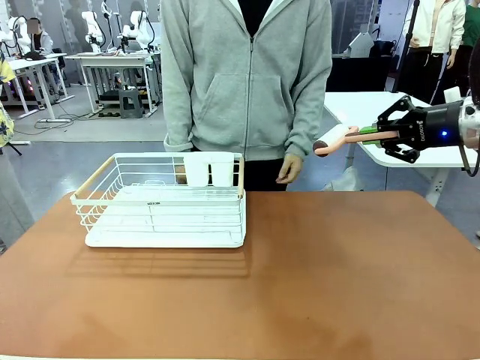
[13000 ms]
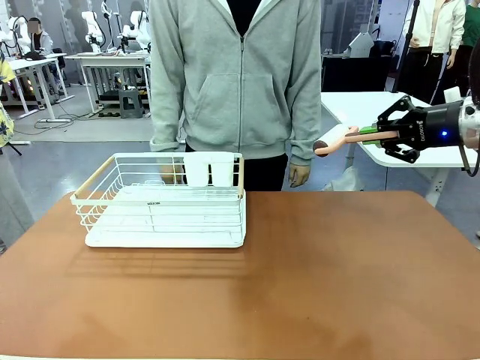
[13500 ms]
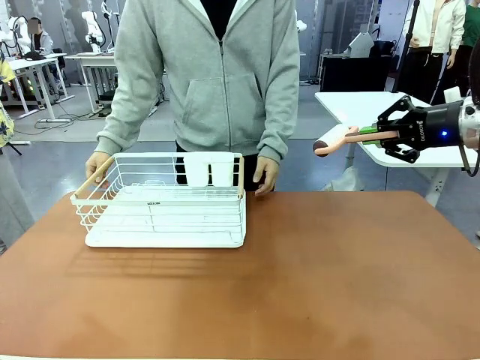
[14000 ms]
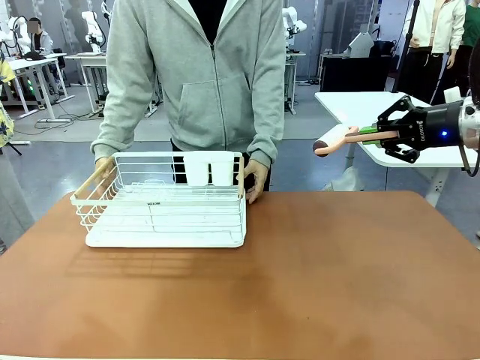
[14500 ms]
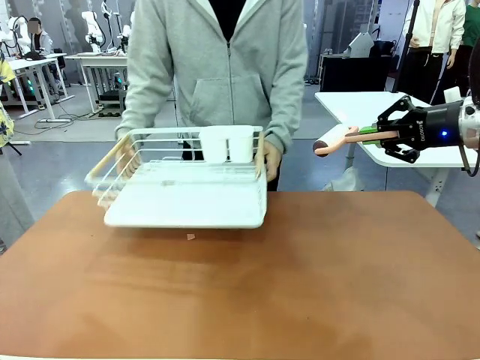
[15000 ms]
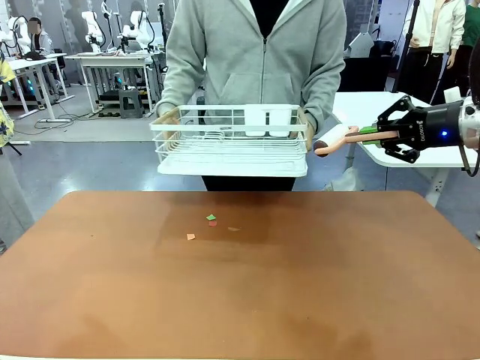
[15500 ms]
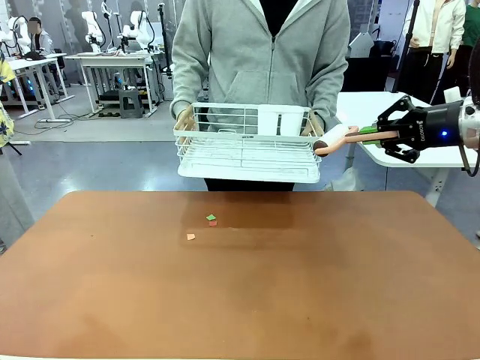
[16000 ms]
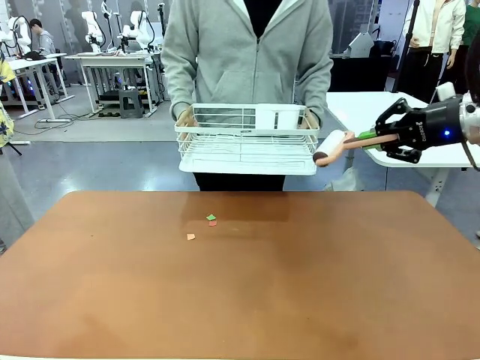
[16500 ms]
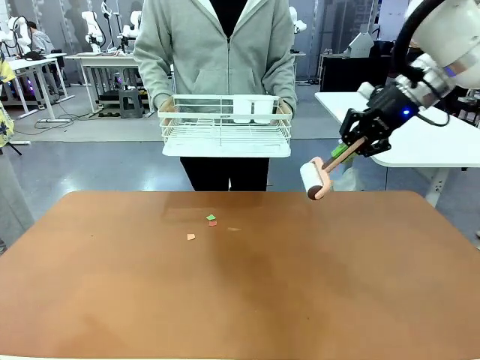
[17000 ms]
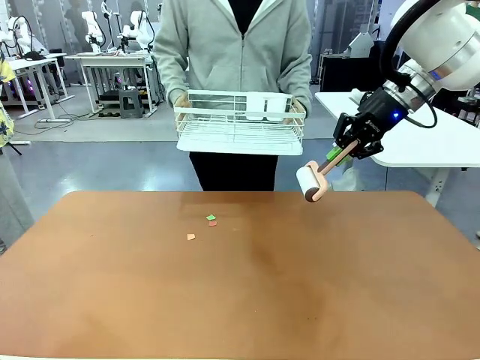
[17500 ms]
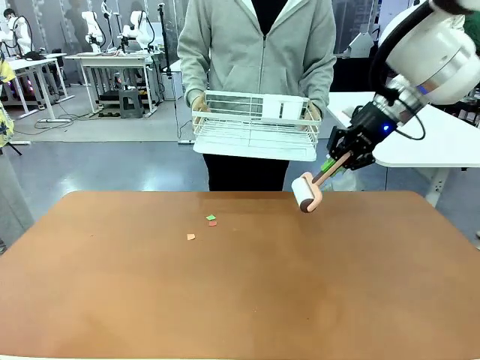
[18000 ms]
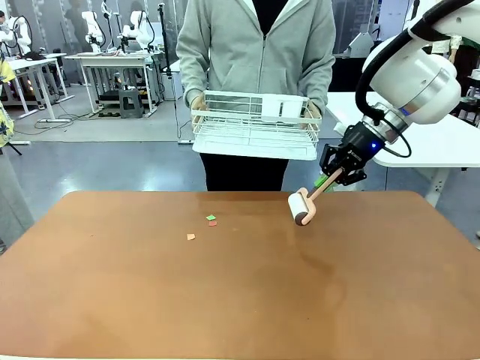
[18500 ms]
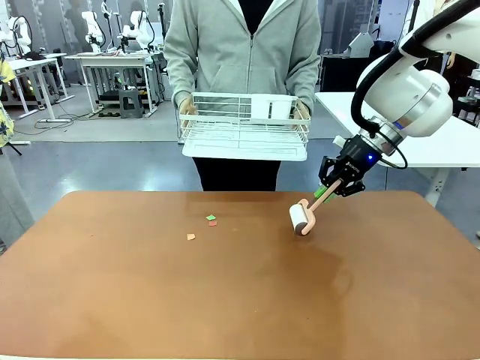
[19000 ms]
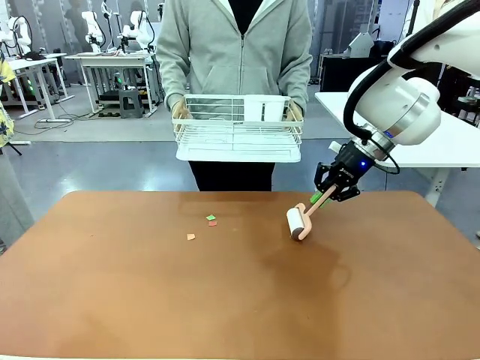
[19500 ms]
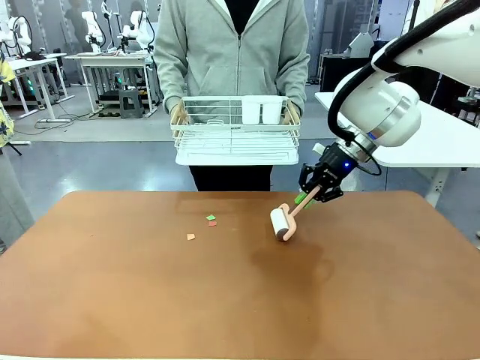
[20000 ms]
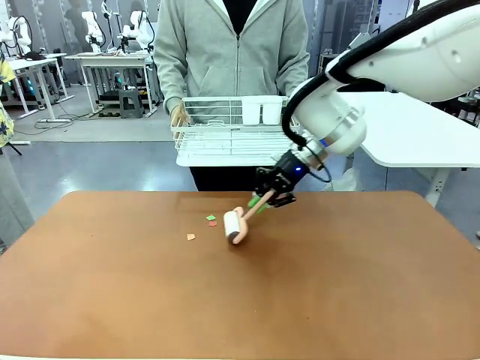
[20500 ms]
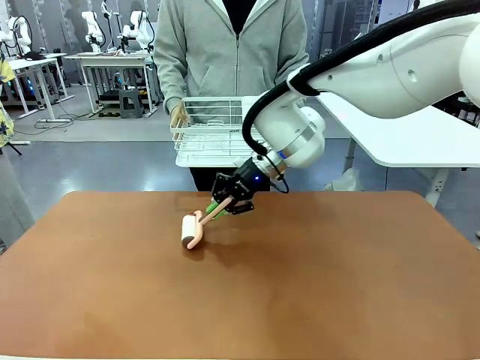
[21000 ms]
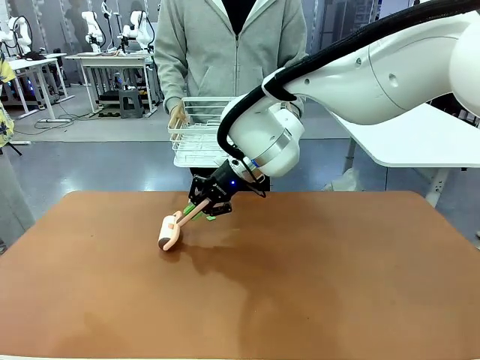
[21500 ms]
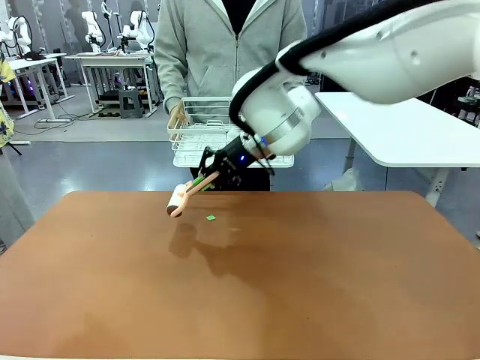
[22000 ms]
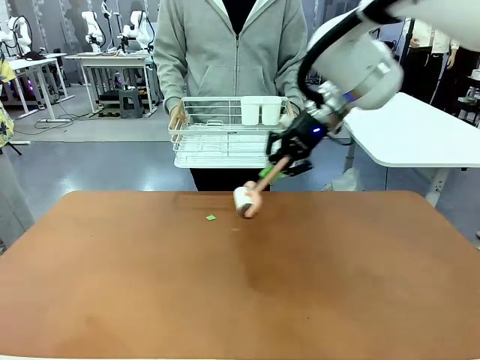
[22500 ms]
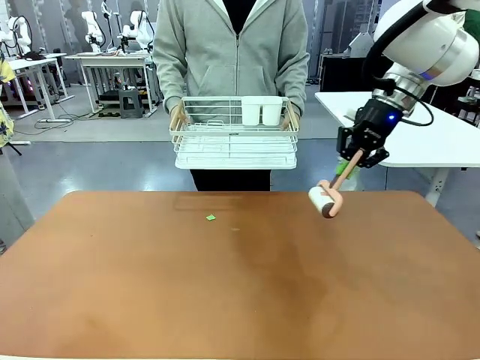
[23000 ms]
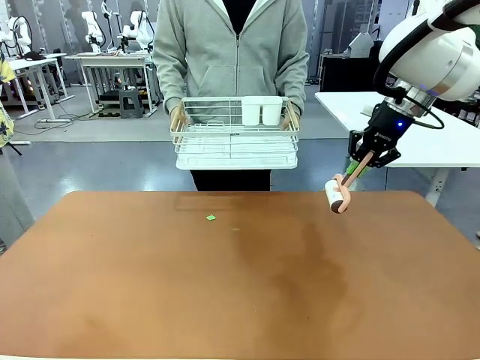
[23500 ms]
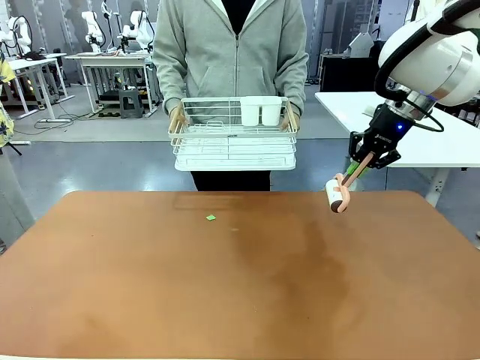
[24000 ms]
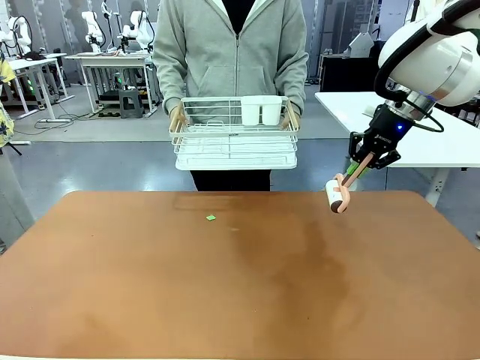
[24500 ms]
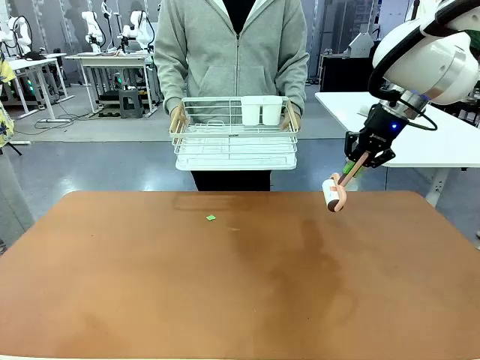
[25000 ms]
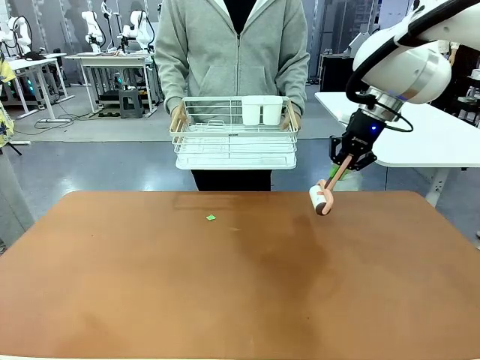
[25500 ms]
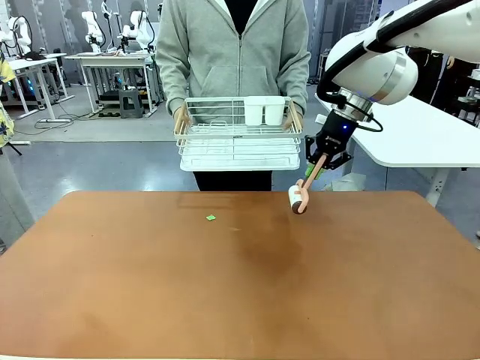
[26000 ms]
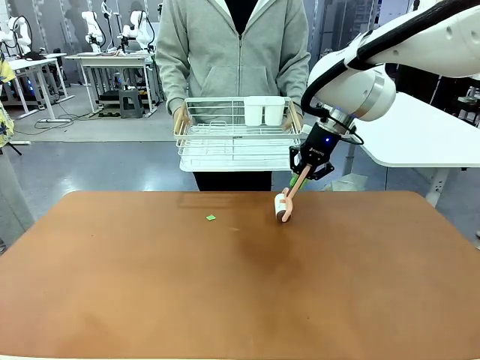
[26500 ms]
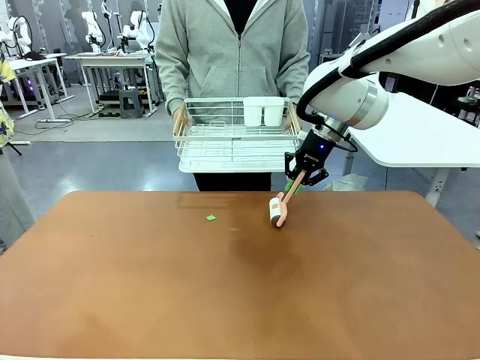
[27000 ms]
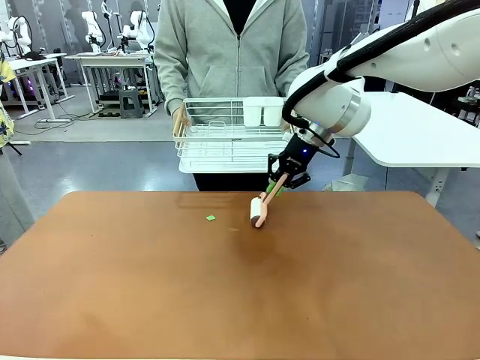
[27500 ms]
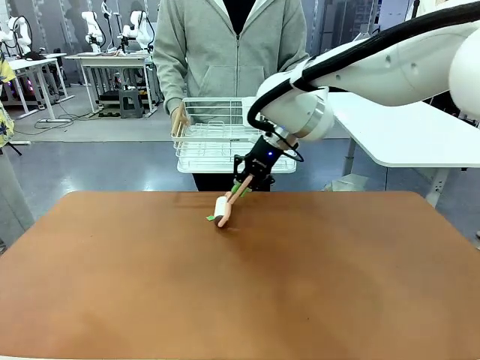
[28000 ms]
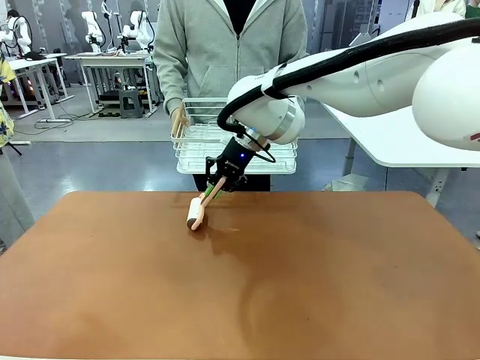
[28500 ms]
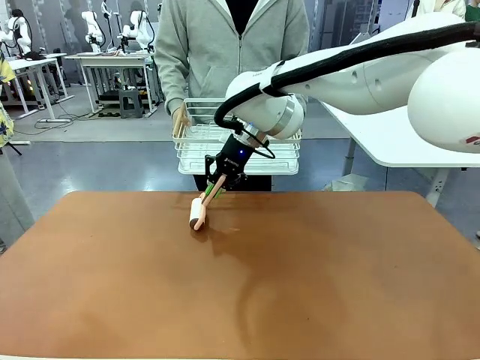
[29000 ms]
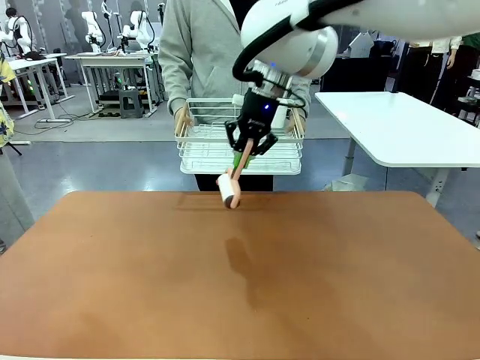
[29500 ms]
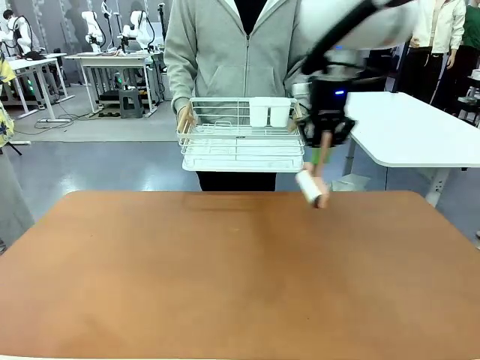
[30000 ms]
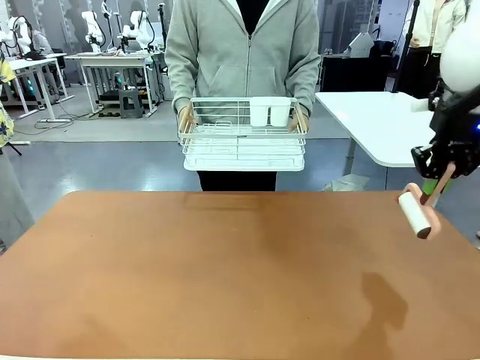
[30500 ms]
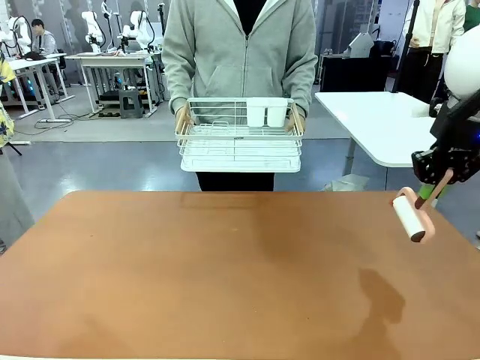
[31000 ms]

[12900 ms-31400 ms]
Task: Clean the table.
Robot: Clean the table with the Lint Roller when the human lifts the Dish drying rack.
Person: Place the Dish drying rack down when the robot finishes cleaning.

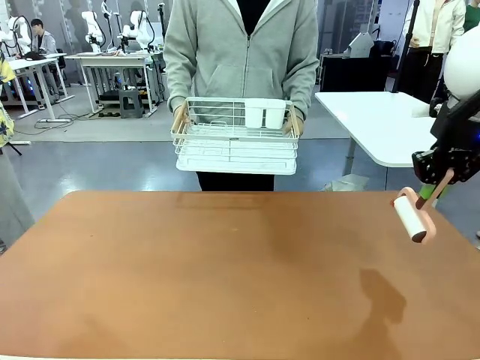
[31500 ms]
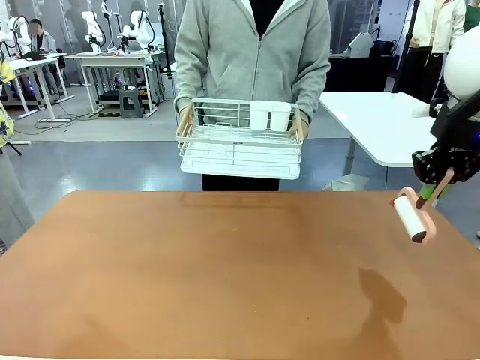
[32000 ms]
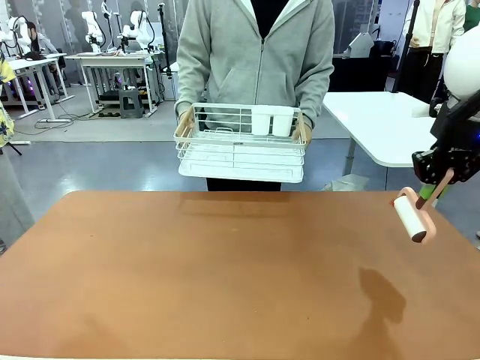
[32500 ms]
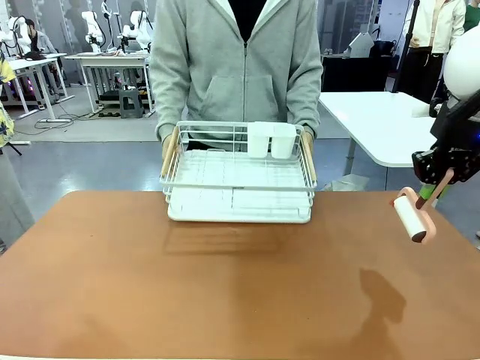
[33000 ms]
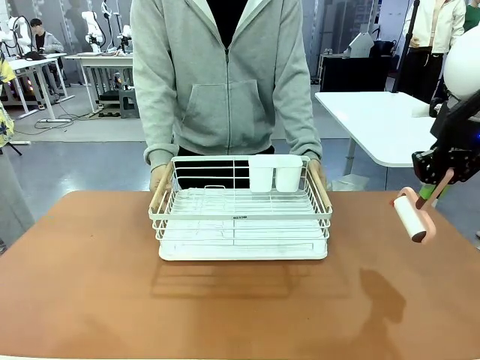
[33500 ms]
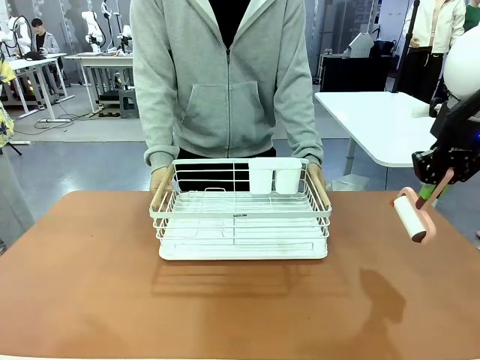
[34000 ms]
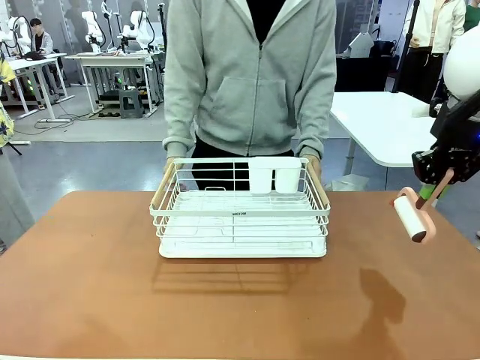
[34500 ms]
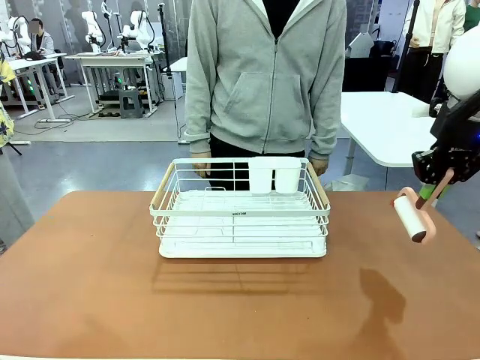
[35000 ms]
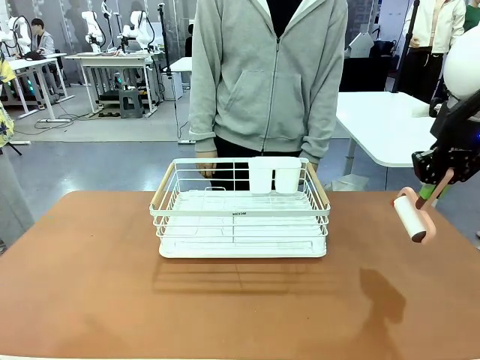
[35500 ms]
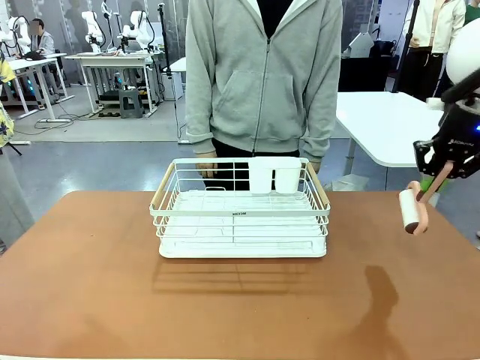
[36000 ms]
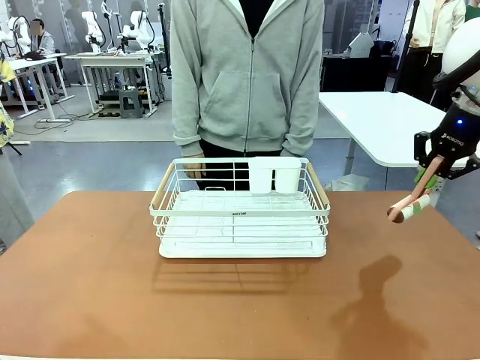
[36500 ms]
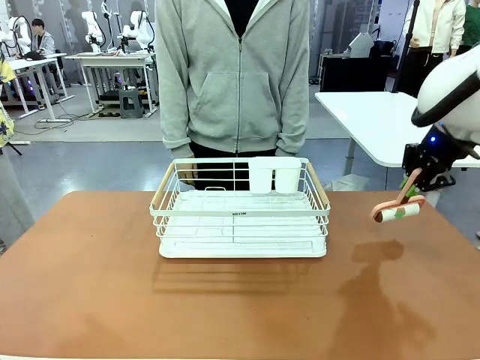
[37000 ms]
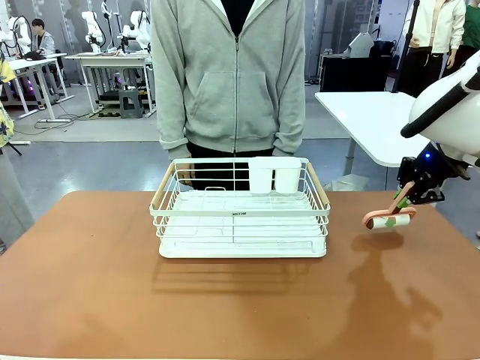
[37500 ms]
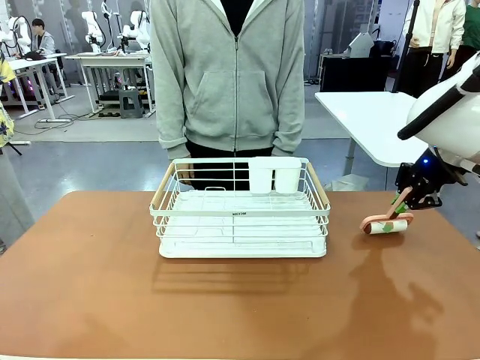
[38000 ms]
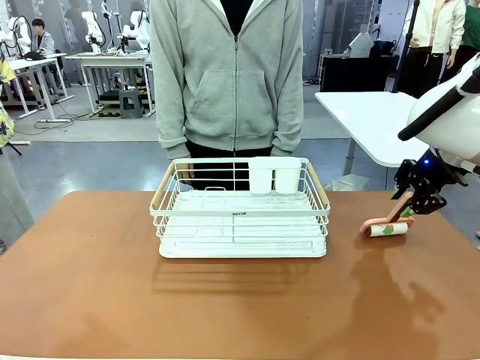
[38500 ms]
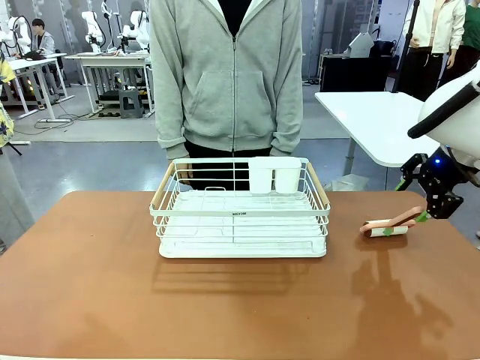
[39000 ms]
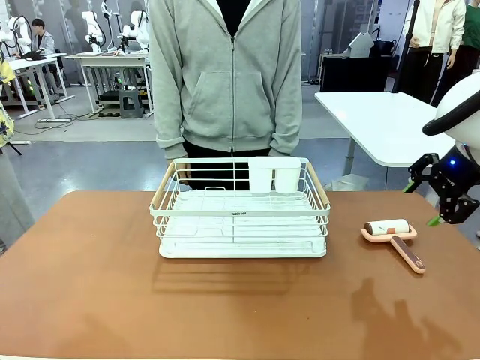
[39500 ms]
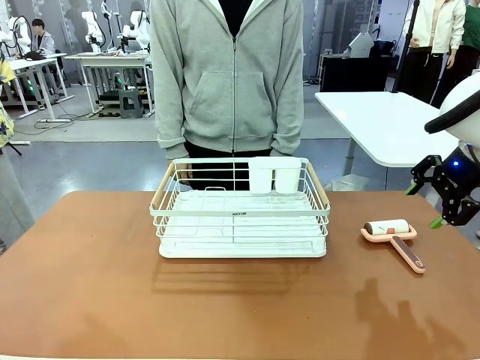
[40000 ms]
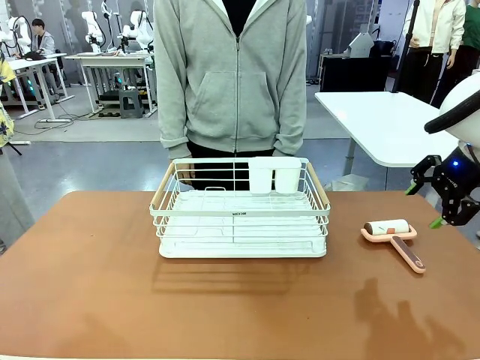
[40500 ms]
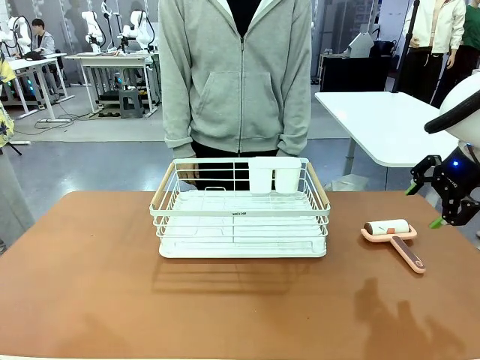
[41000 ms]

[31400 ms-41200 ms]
Robot: Place the Lint Roller down when the Dish drying rack is positioned in the middle of the table.
